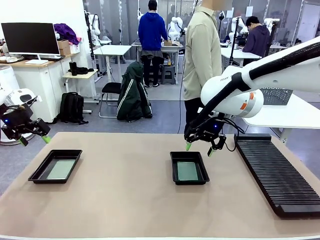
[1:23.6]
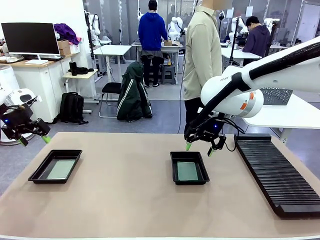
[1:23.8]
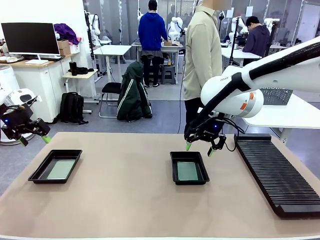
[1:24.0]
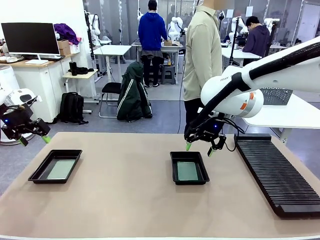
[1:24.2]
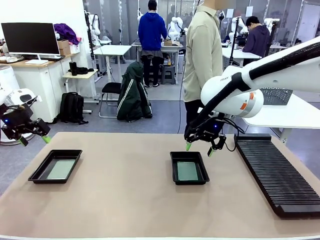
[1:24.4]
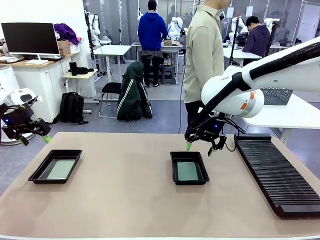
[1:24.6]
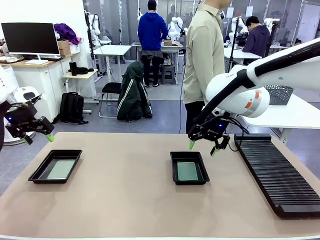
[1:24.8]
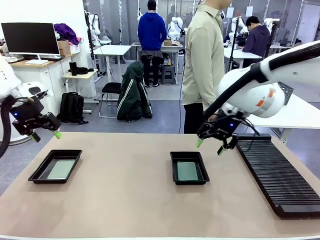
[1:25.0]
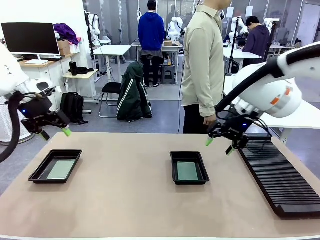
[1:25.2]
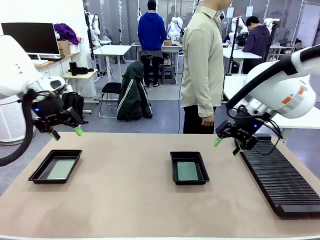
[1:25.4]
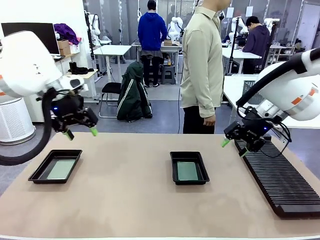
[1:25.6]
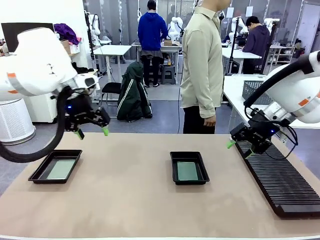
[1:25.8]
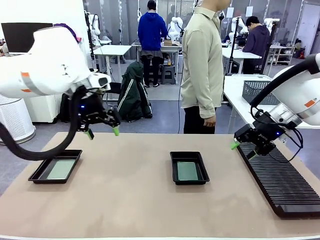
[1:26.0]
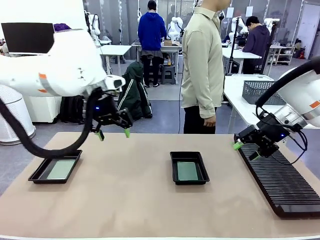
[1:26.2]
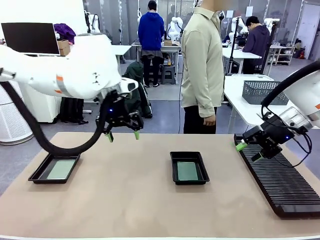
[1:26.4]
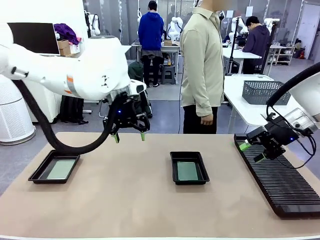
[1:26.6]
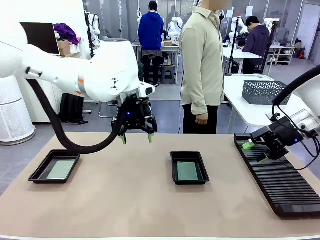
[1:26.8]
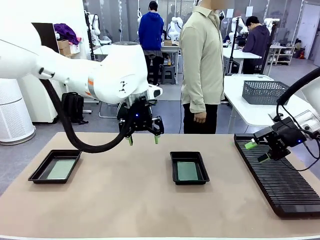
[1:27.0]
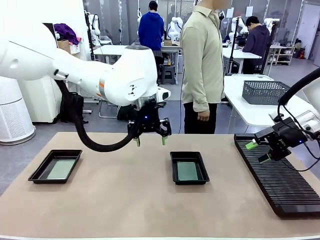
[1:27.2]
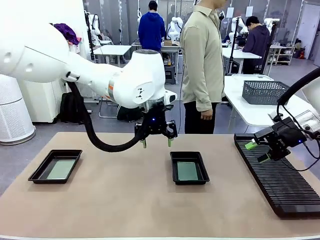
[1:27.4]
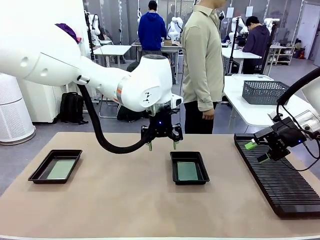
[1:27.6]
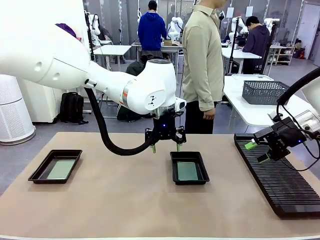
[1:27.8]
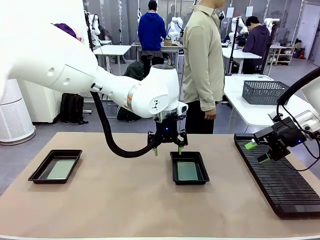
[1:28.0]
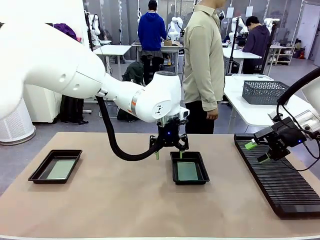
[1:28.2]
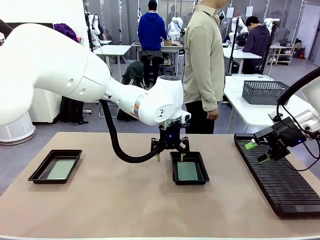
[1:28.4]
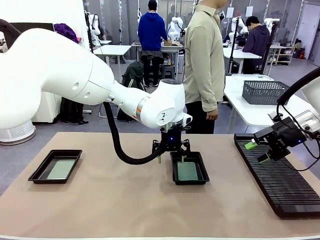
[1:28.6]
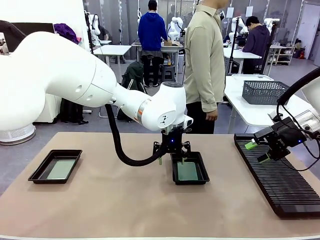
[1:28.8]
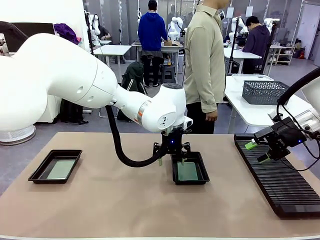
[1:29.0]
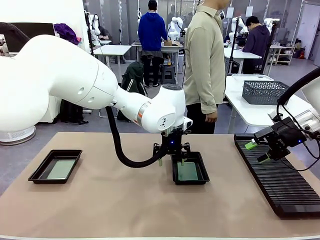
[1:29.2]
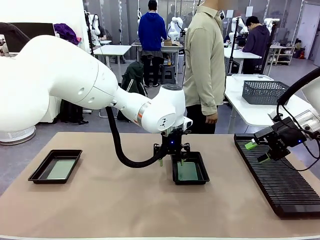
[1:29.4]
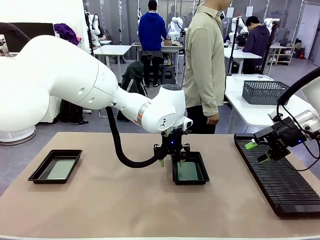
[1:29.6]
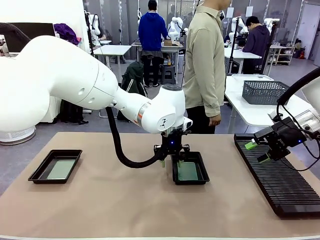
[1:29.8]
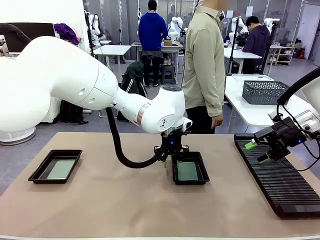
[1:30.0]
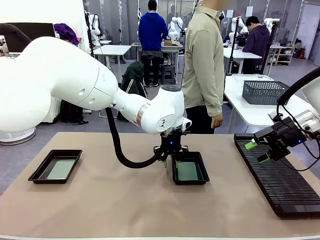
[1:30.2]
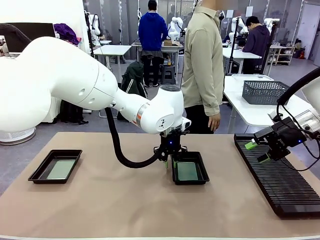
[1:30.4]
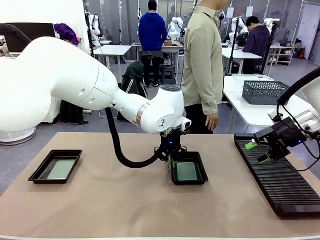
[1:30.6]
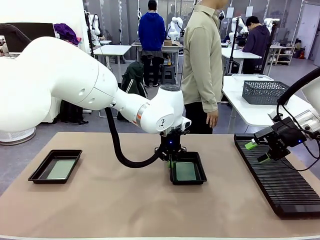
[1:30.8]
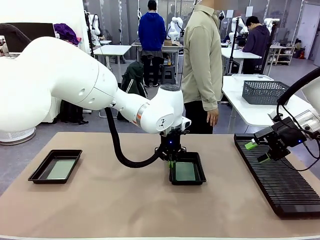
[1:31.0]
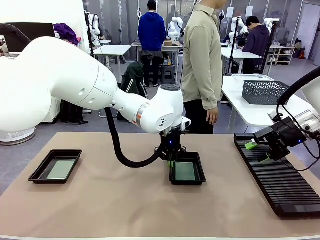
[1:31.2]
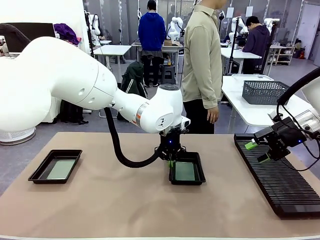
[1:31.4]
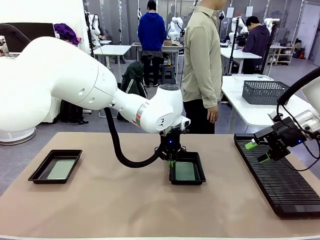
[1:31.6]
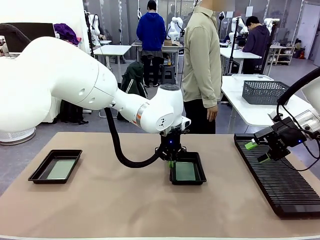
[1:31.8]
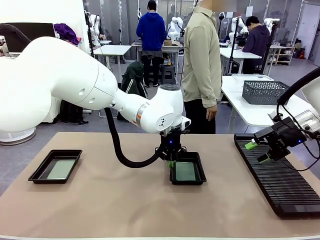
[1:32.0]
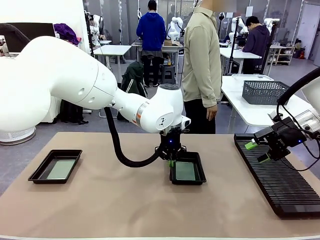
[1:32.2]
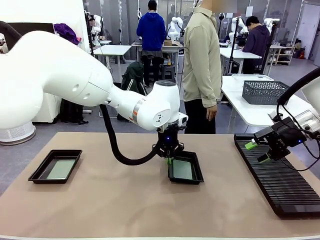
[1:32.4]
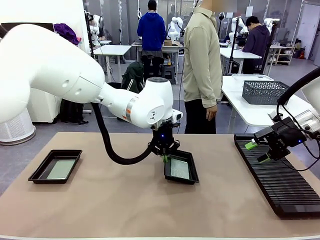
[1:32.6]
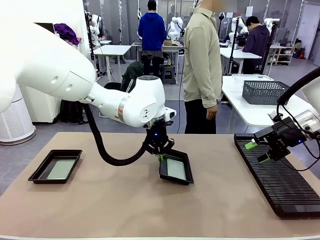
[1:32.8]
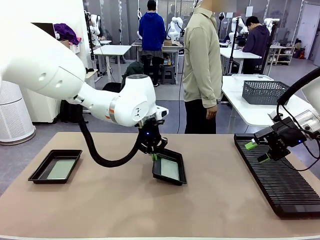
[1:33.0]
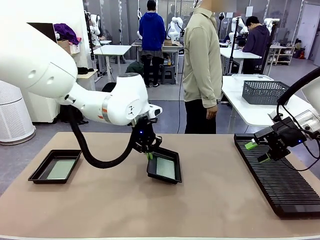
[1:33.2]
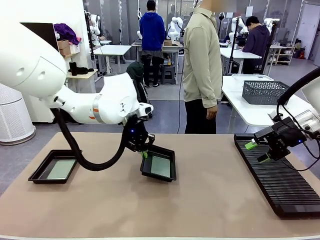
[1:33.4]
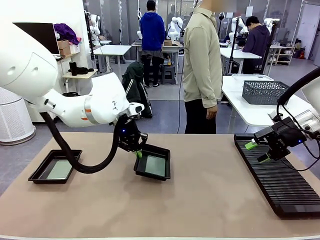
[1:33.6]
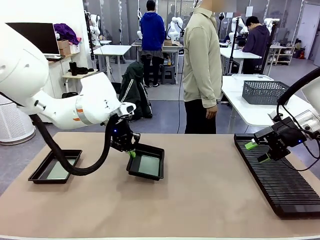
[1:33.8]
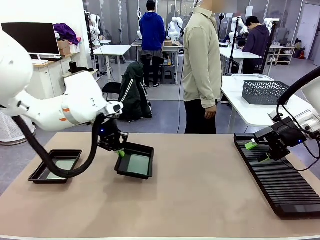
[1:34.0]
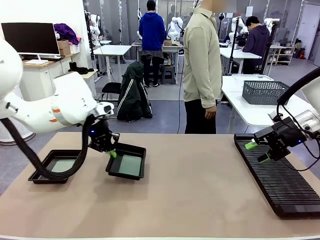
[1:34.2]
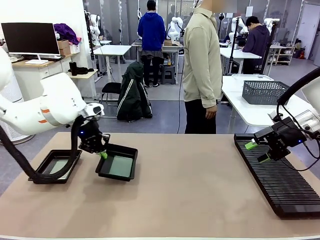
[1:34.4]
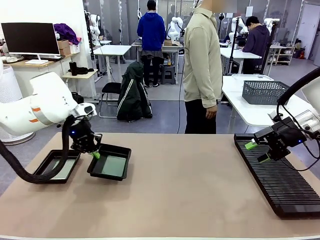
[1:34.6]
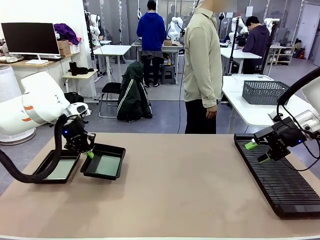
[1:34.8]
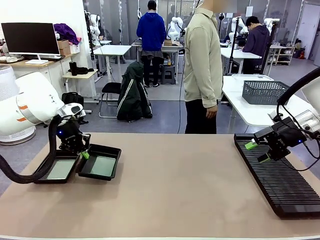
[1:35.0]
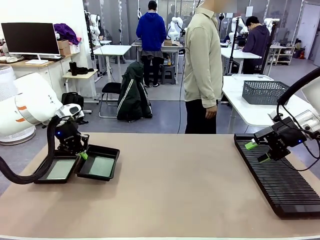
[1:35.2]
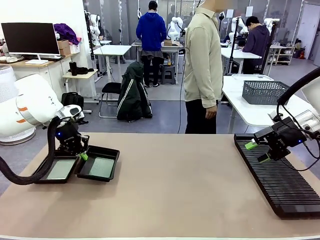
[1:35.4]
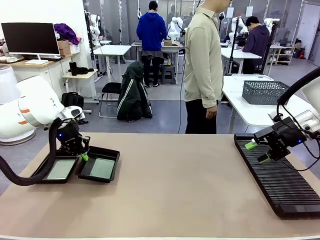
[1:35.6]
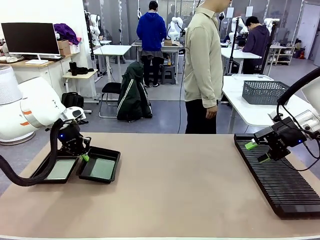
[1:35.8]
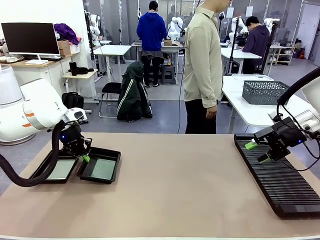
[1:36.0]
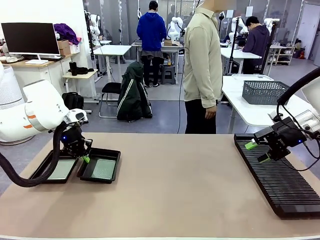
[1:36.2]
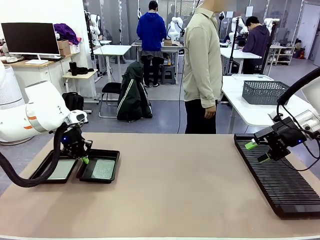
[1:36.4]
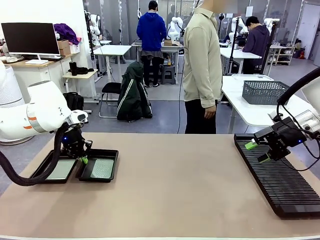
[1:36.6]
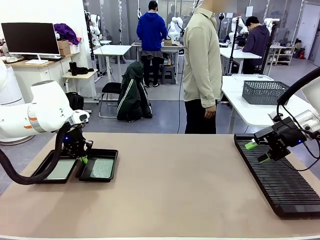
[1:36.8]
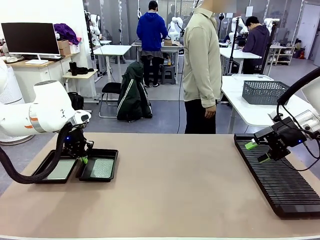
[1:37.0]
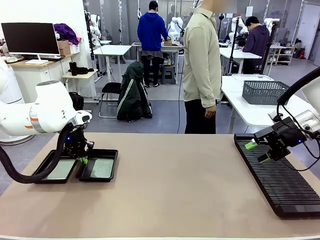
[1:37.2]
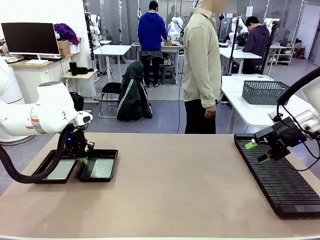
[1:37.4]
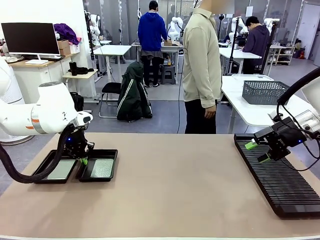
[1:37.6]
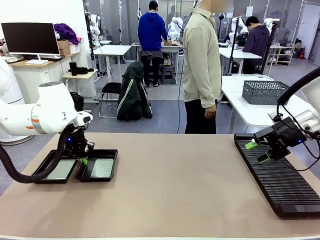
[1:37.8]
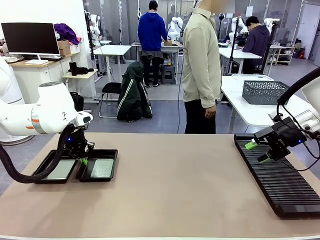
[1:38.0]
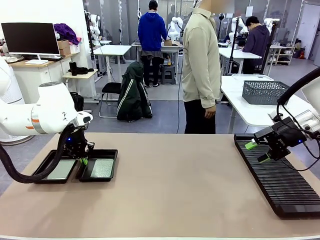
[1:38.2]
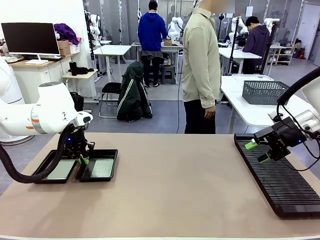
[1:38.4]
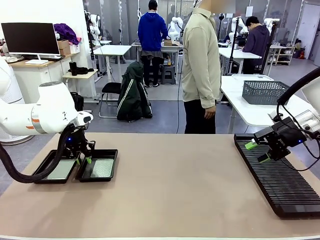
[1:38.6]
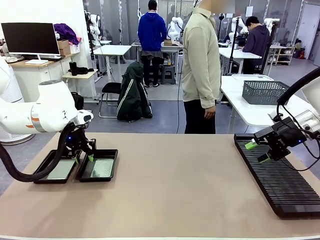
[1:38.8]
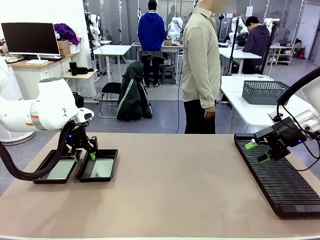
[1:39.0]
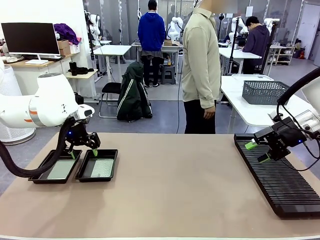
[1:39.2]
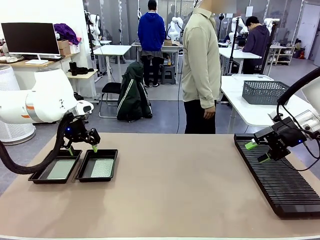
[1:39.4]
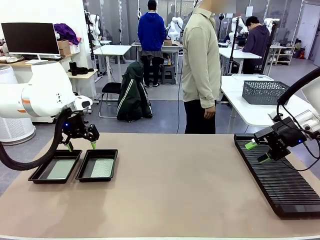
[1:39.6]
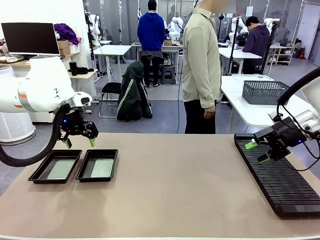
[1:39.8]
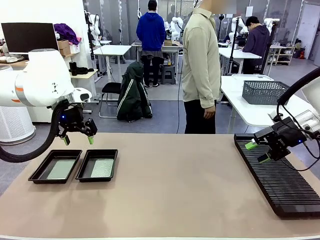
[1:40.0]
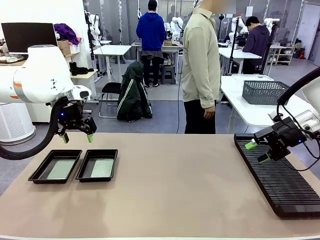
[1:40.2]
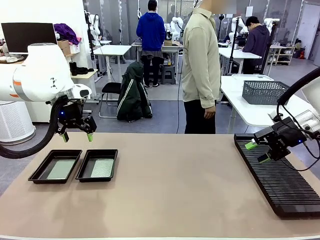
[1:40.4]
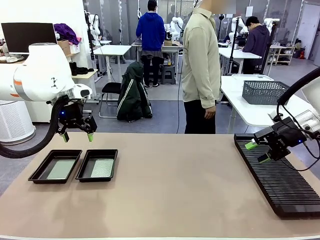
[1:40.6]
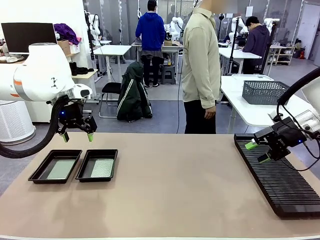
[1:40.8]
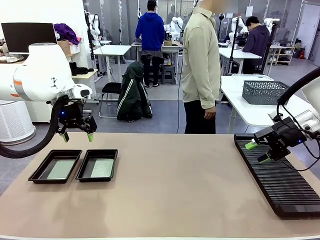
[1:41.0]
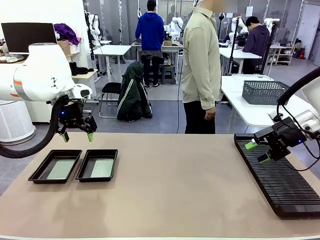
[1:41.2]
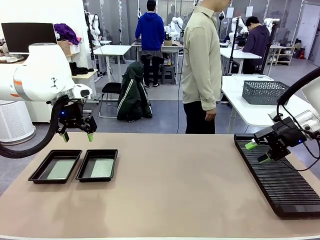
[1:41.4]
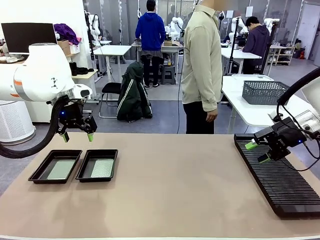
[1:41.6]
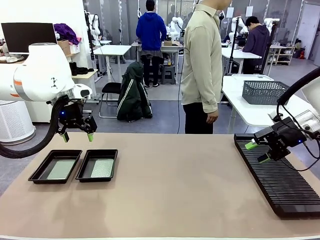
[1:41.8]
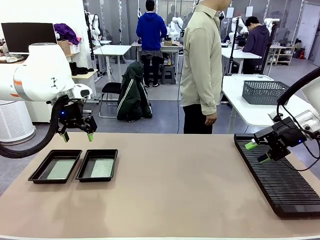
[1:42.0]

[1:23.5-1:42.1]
Task: Inspect and transfer BCBs to ESD trays.
Robot: Pick up the ESD tray and place it on the left side of the table.
